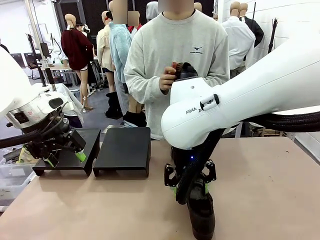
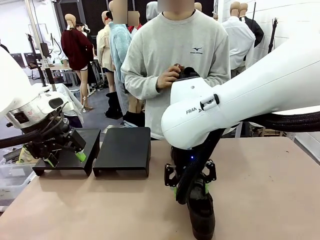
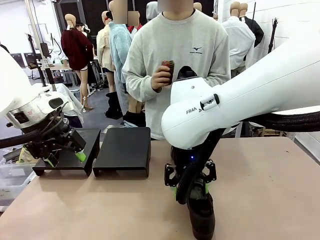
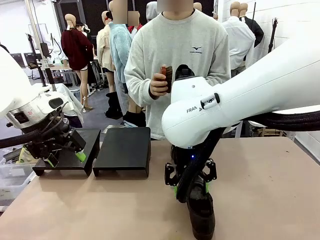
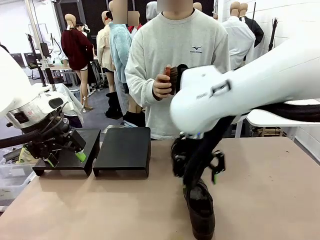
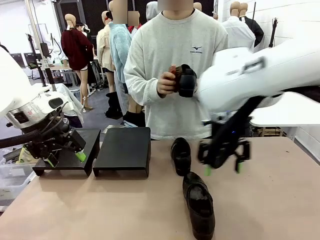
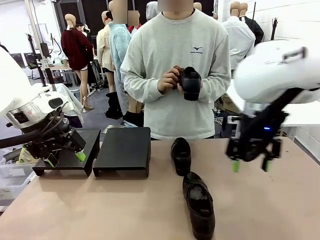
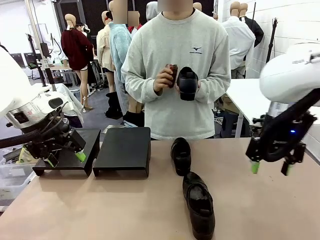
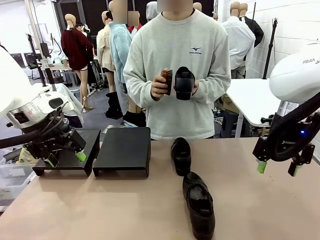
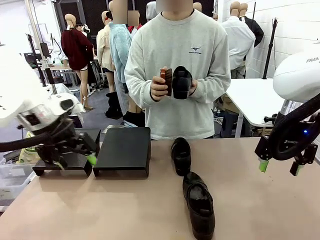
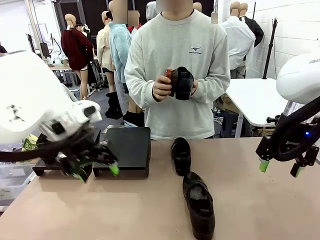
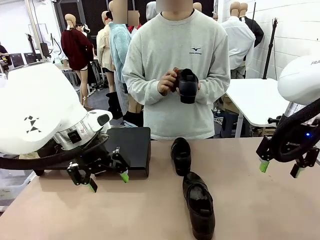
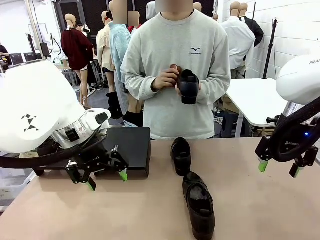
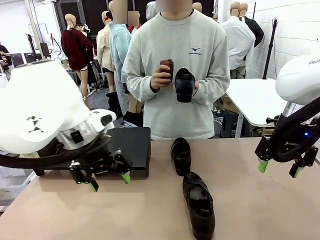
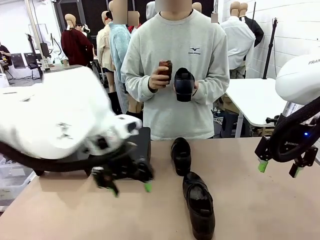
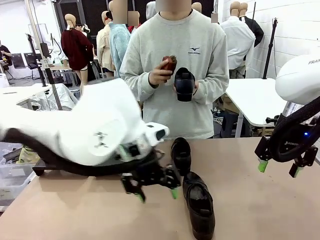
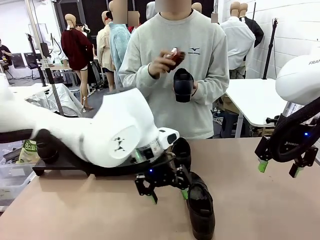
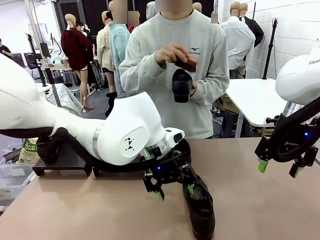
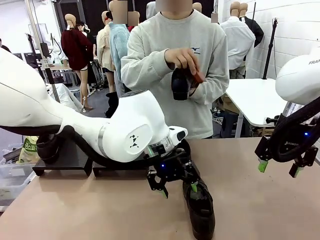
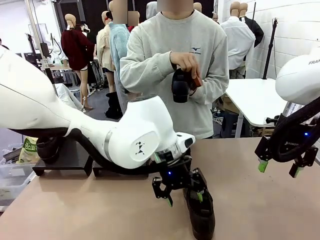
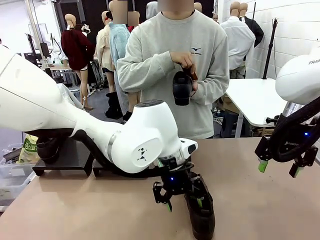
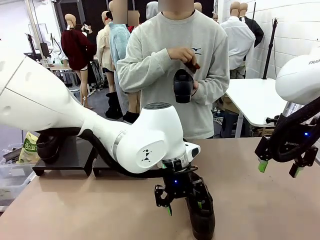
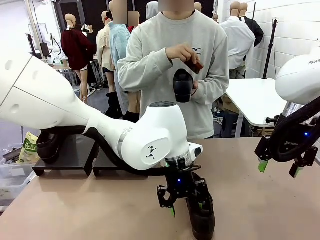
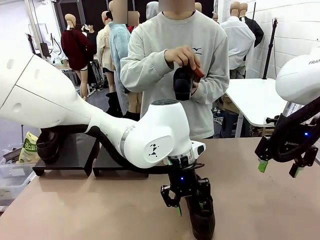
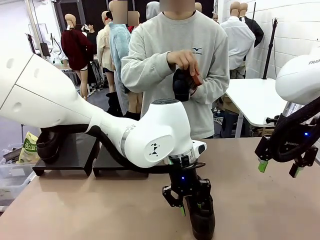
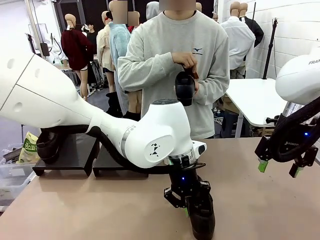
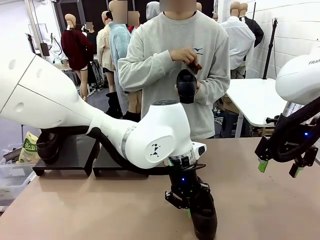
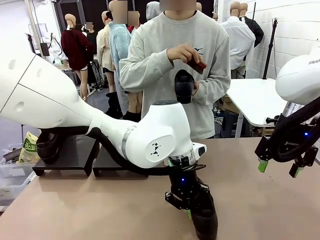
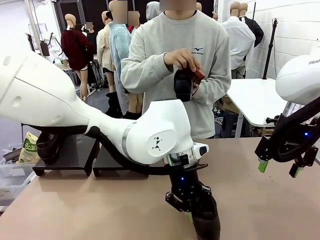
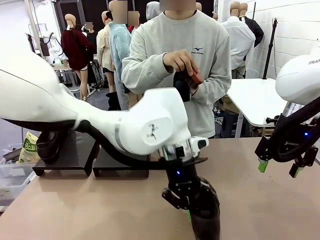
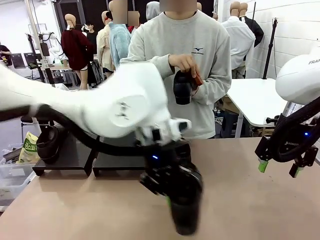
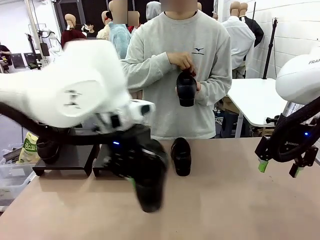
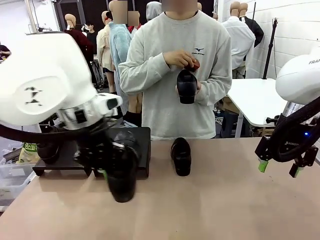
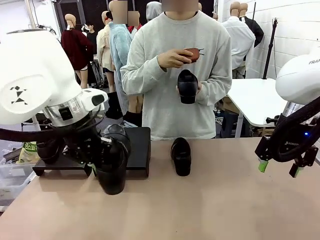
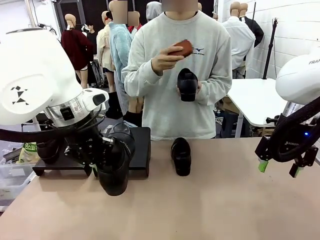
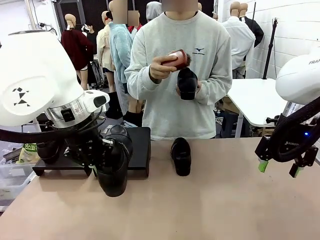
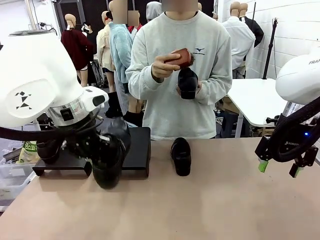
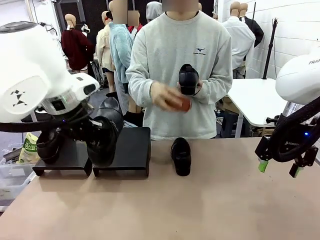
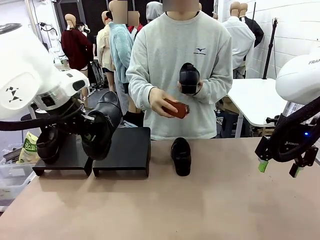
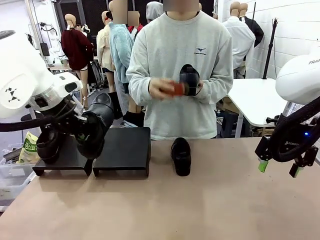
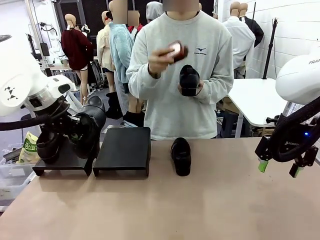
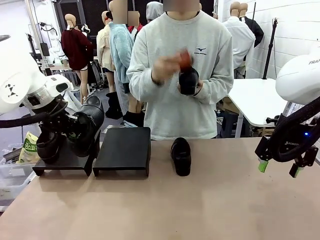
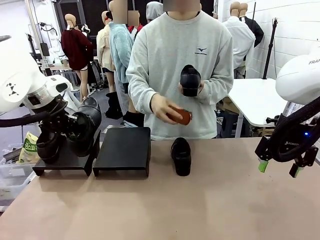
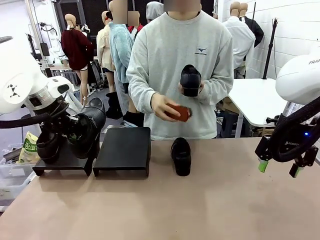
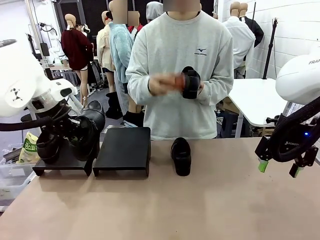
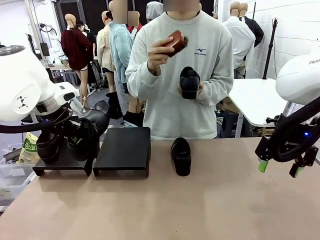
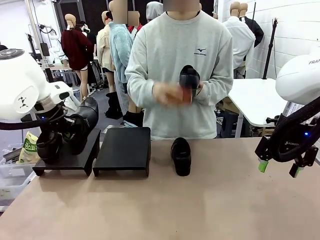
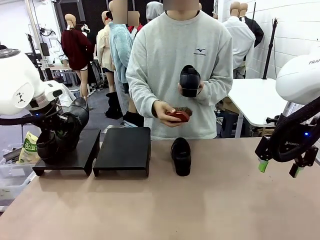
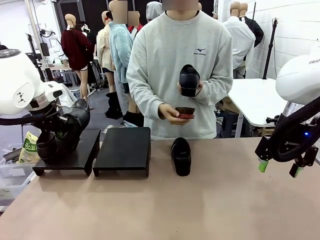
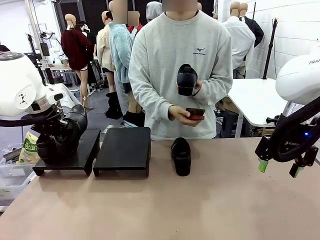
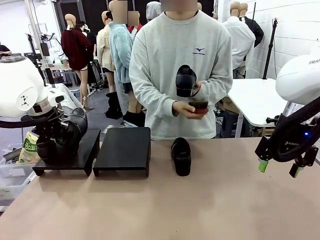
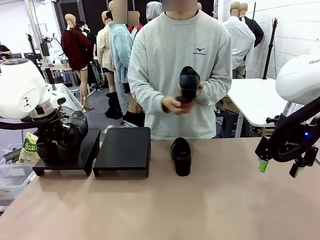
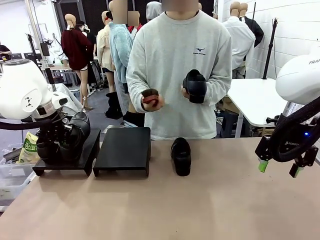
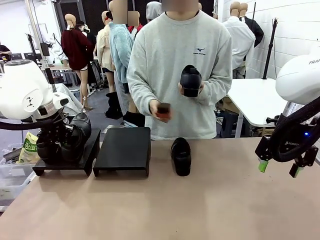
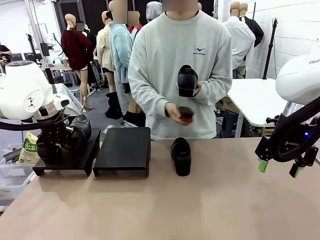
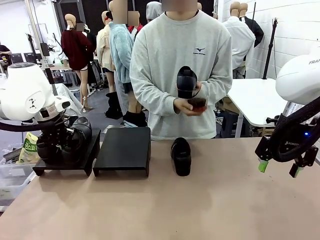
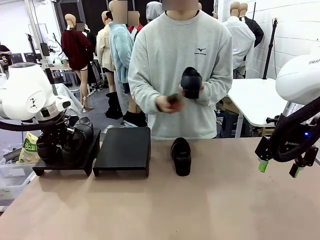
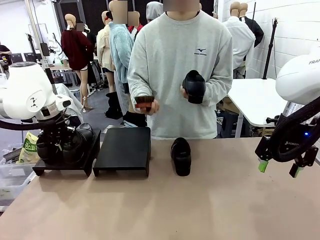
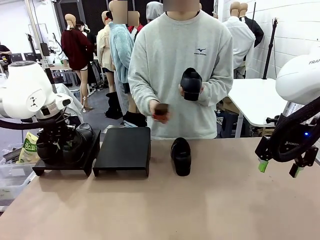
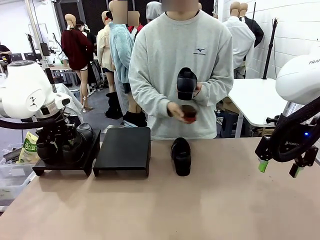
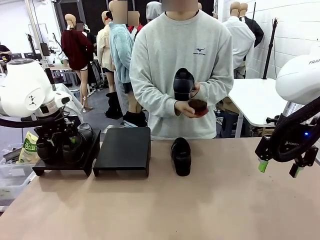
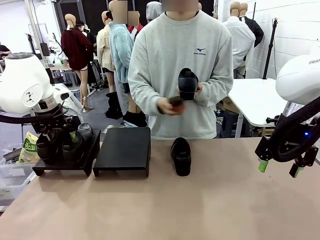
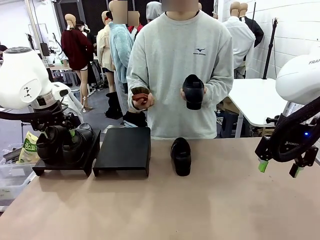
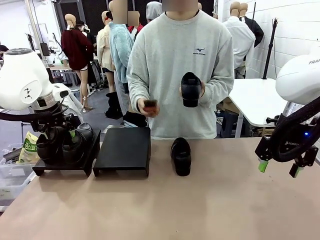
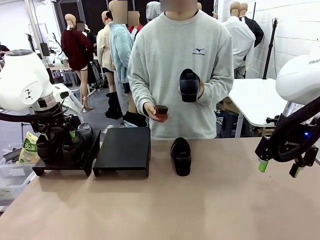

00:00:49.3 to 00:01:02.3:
Task: Organize the shoes by placing them on the stand.
Robot: Place the Shoe from the middle of the table onto the Shoes Stand.
Person: Clean the Shoe with the Shoe Brush.

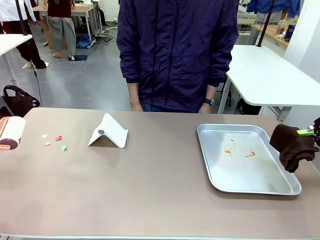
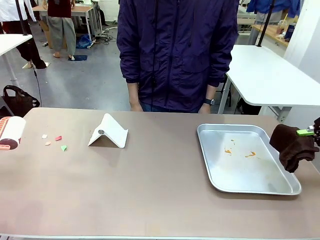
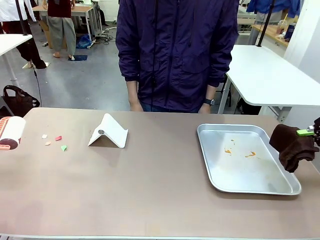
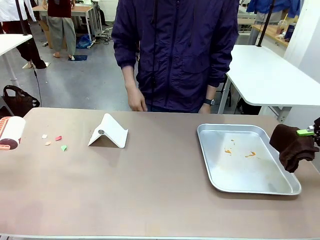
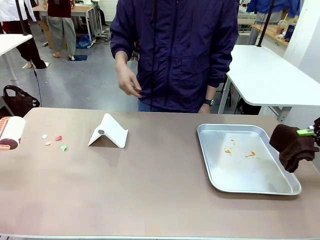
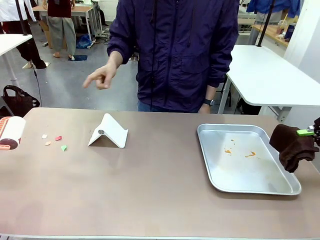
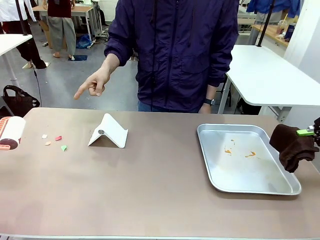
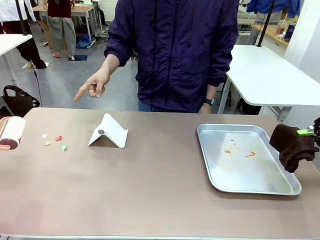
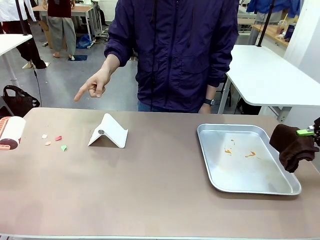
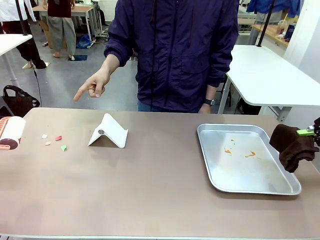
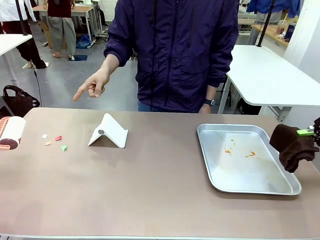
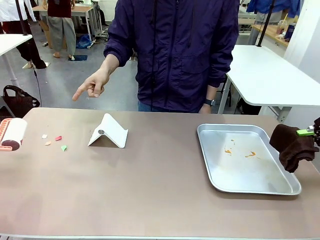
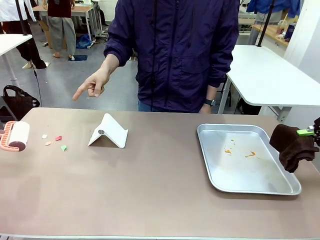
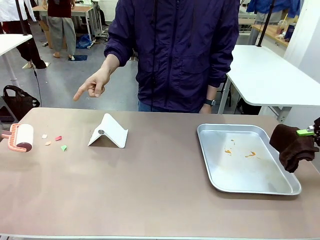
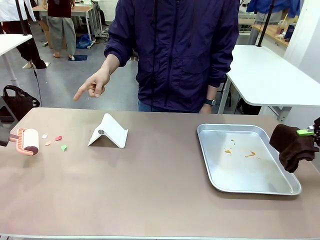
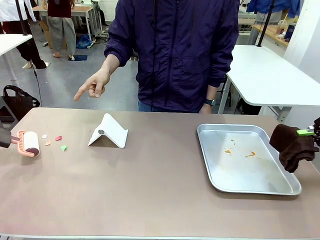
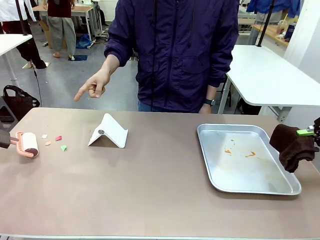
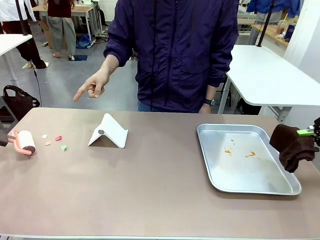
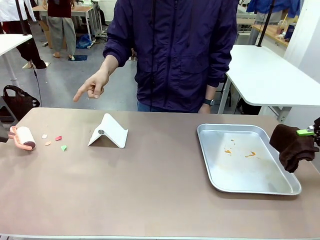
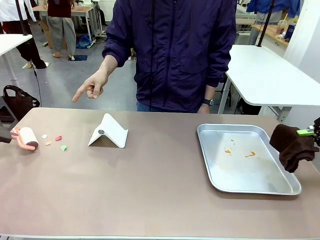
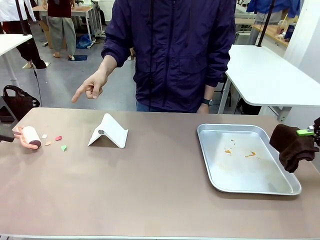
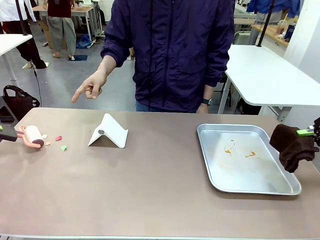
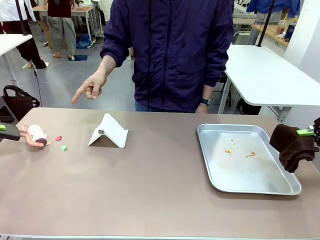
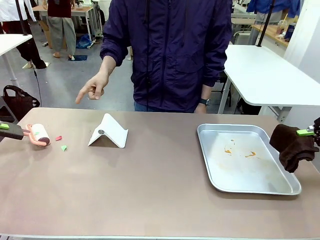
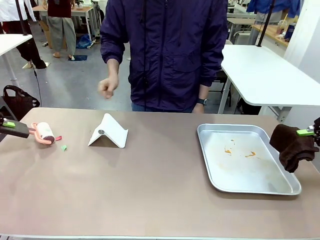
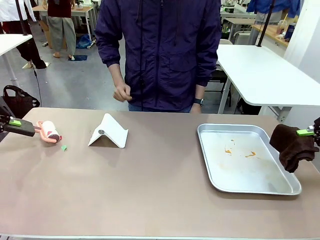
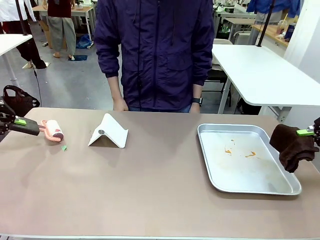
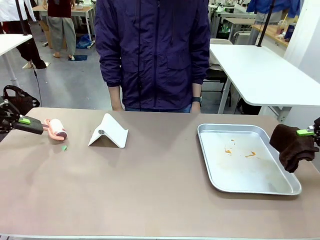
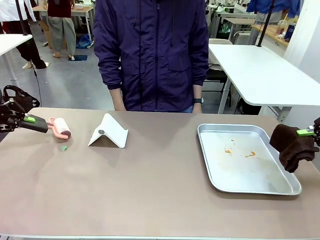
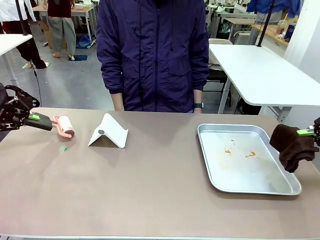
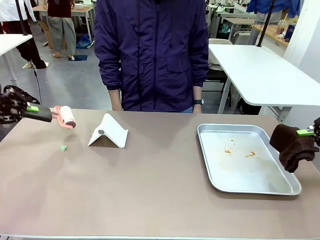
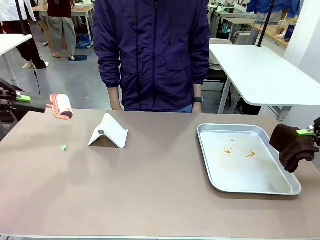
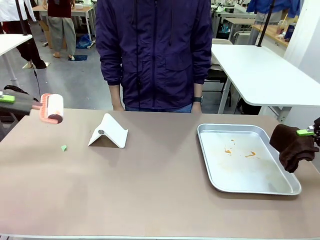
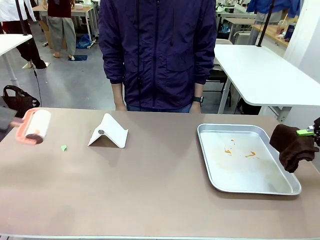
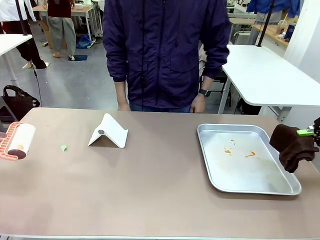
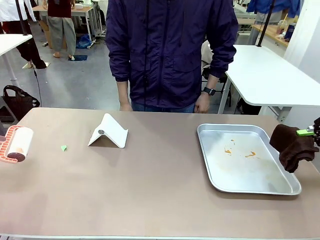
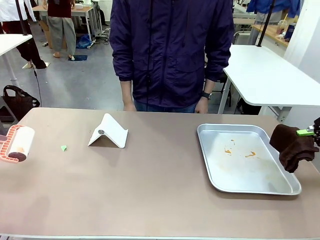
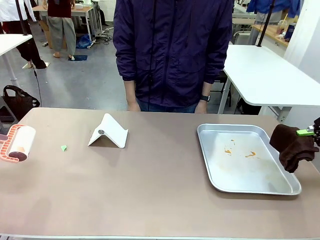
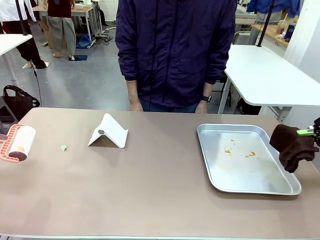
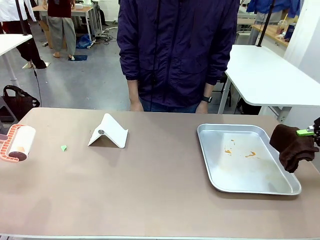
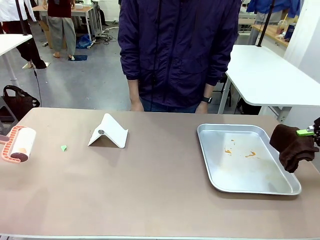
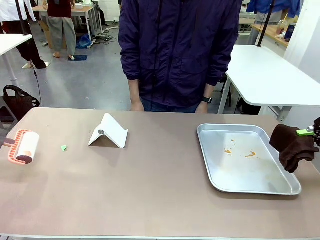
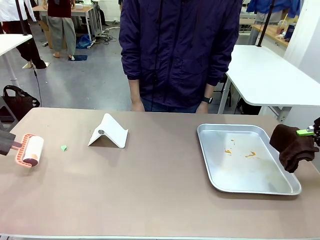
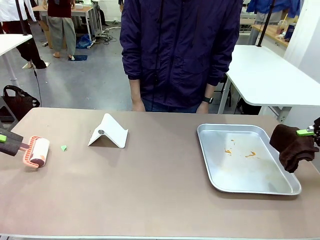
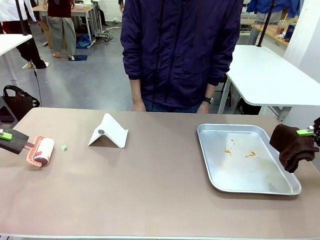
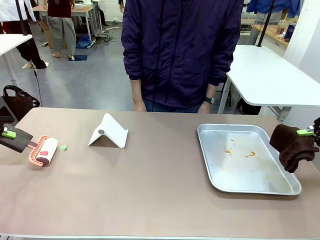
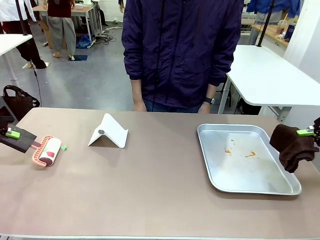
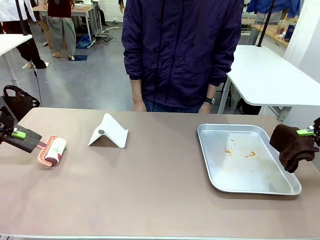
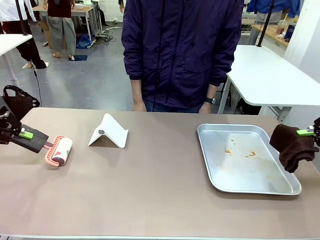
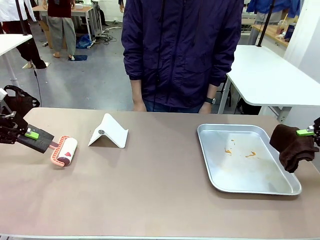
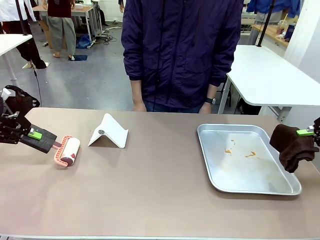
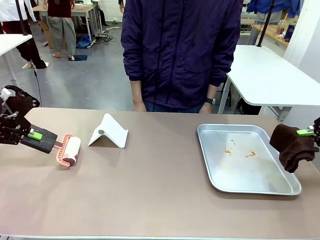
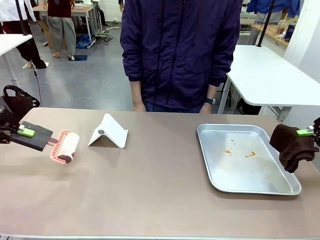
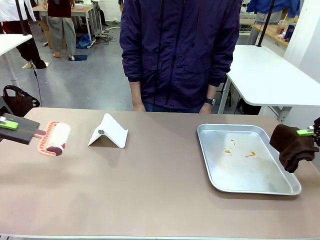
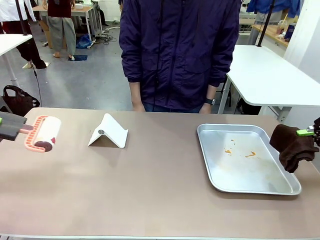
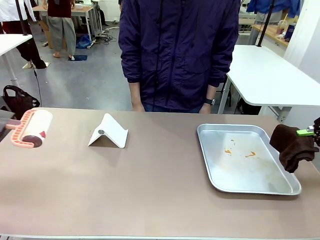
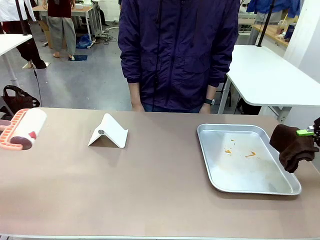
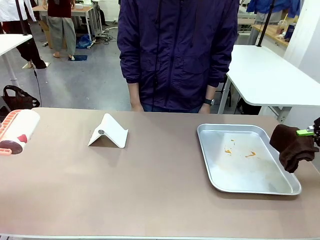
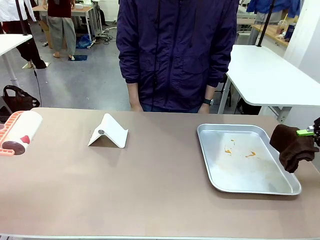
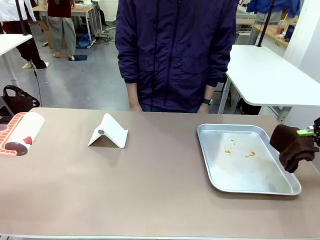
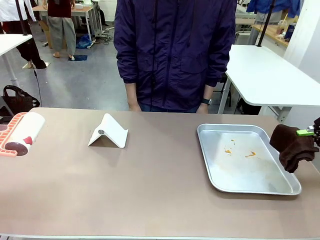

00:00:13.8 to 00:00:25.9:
Task: Clean the surface of the table.
Robot: If a person points to the right, clean the right side of the table with your right hand, and if they point to the left, clean the left side with your left hand.
